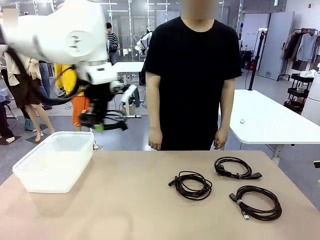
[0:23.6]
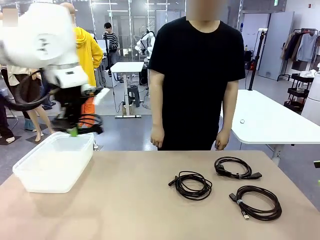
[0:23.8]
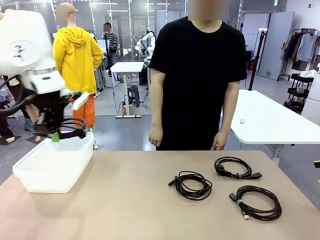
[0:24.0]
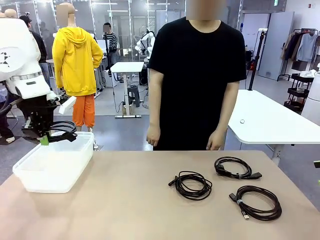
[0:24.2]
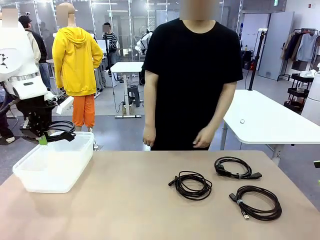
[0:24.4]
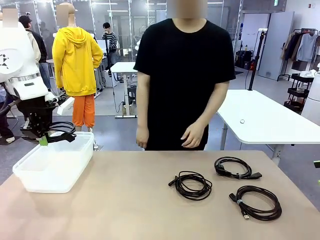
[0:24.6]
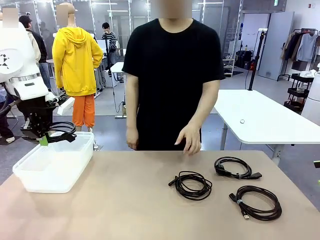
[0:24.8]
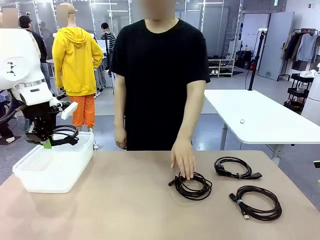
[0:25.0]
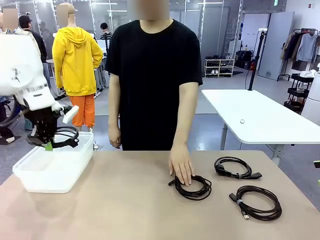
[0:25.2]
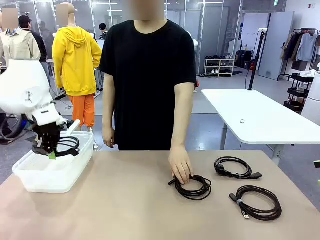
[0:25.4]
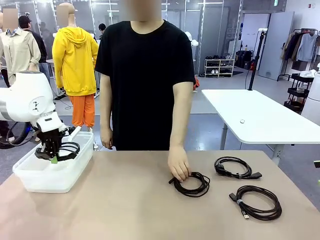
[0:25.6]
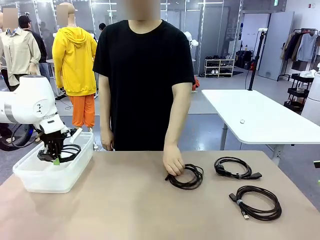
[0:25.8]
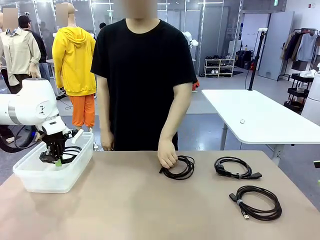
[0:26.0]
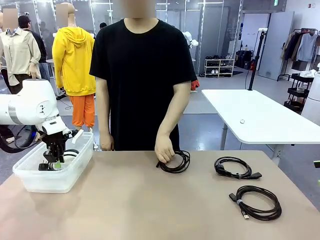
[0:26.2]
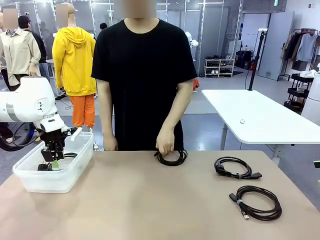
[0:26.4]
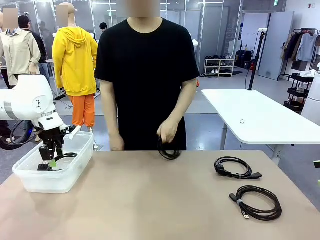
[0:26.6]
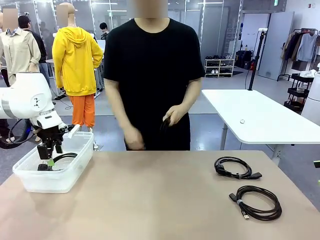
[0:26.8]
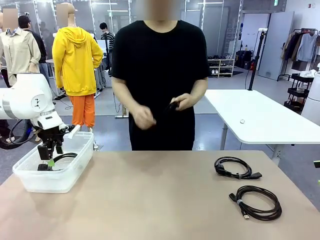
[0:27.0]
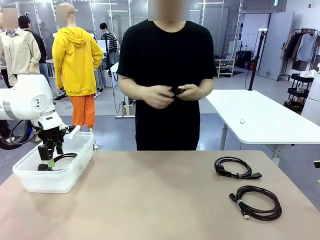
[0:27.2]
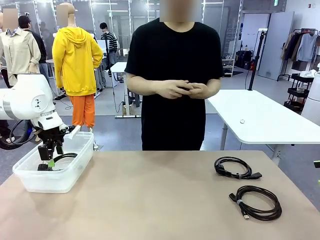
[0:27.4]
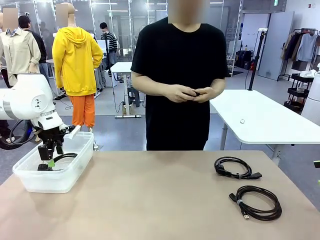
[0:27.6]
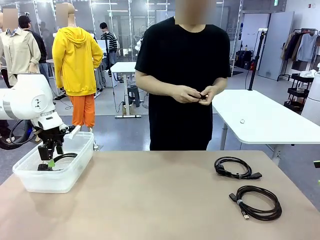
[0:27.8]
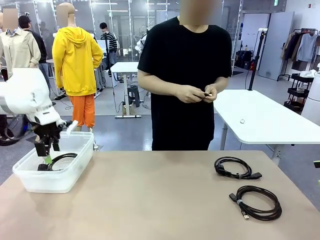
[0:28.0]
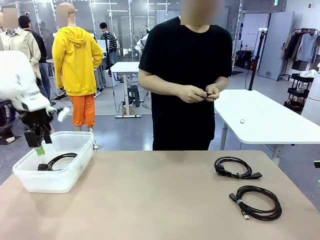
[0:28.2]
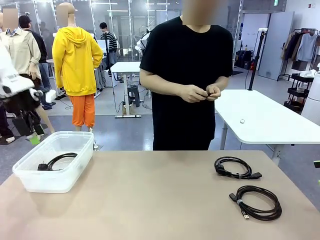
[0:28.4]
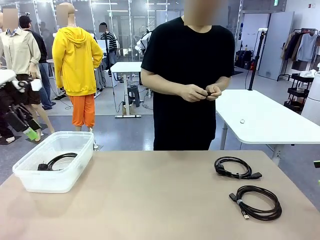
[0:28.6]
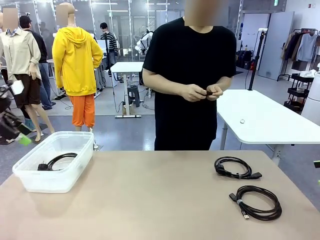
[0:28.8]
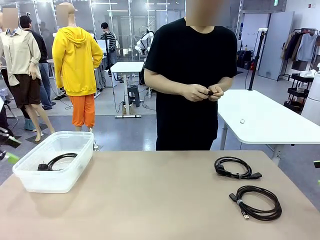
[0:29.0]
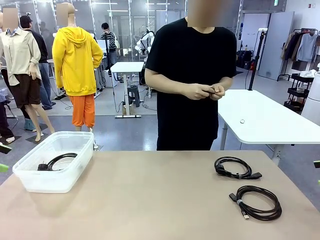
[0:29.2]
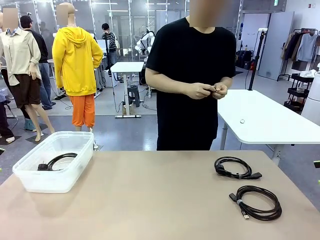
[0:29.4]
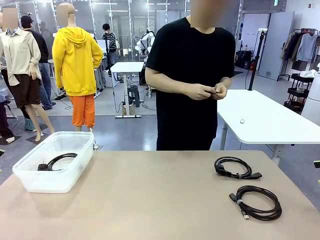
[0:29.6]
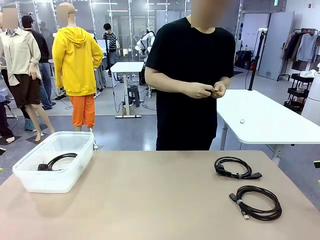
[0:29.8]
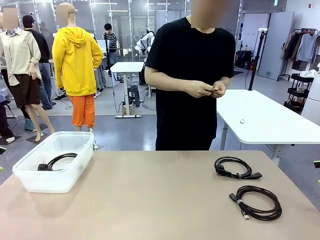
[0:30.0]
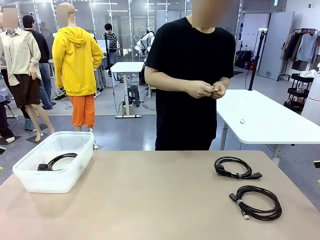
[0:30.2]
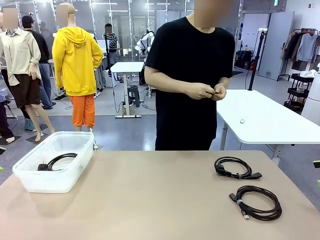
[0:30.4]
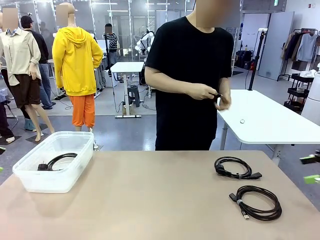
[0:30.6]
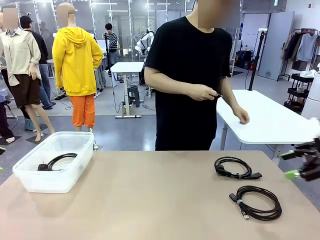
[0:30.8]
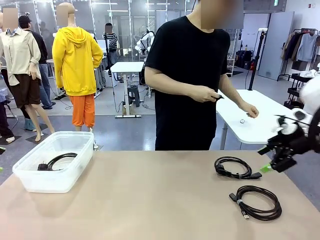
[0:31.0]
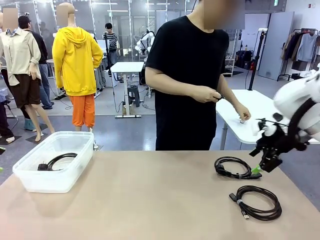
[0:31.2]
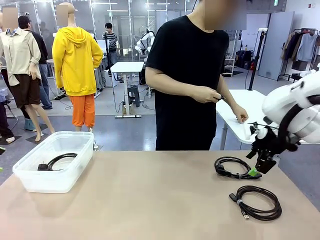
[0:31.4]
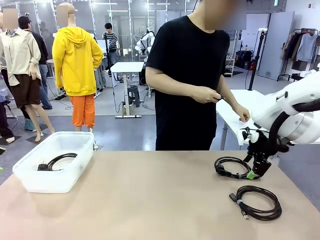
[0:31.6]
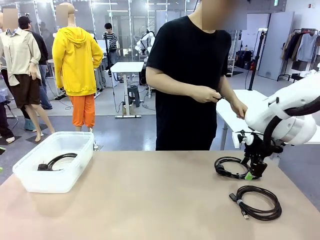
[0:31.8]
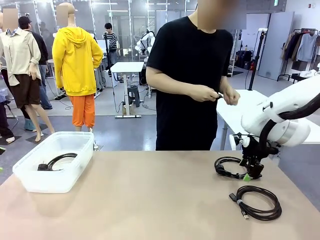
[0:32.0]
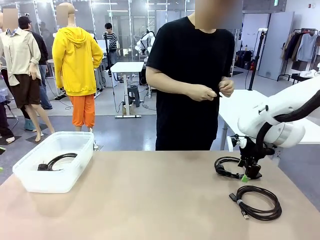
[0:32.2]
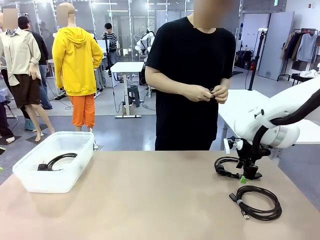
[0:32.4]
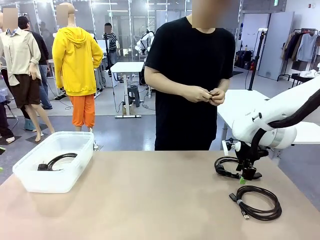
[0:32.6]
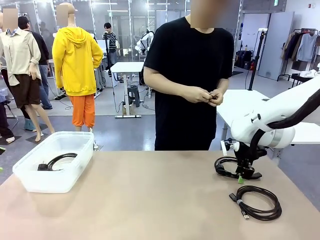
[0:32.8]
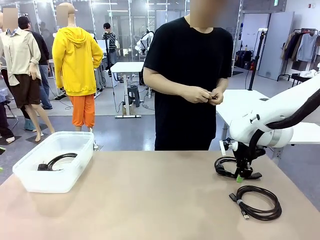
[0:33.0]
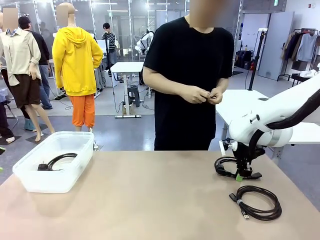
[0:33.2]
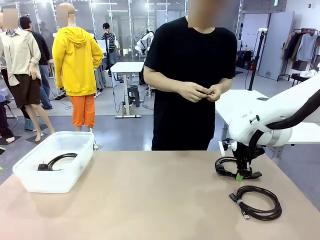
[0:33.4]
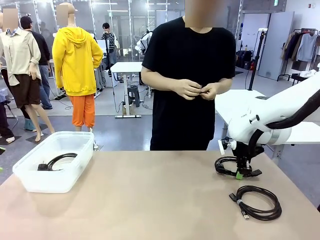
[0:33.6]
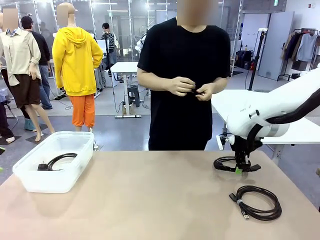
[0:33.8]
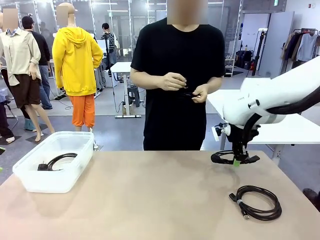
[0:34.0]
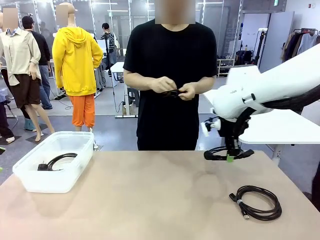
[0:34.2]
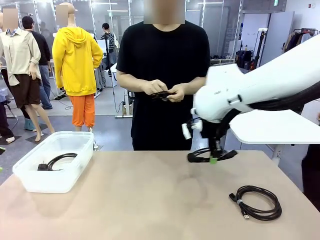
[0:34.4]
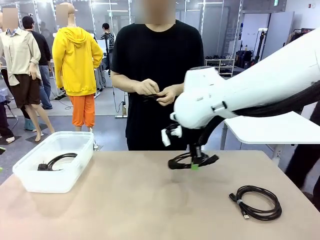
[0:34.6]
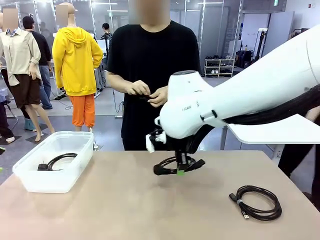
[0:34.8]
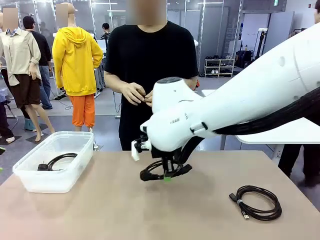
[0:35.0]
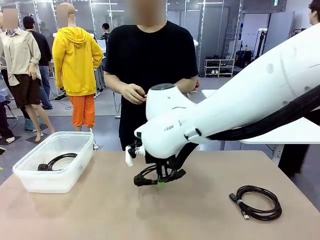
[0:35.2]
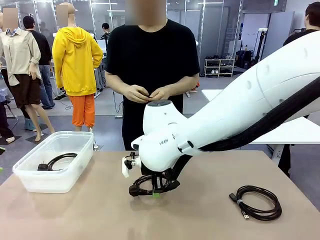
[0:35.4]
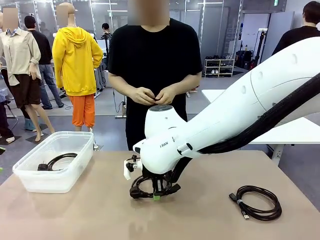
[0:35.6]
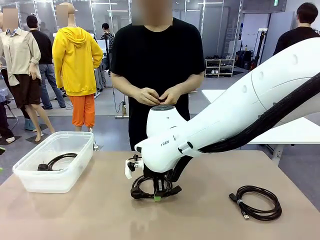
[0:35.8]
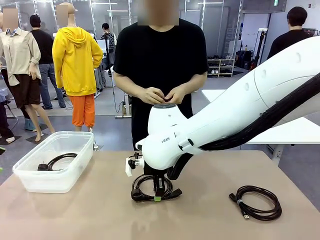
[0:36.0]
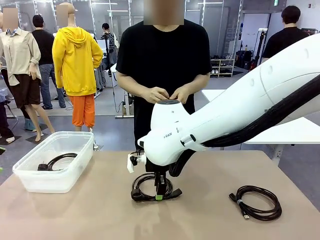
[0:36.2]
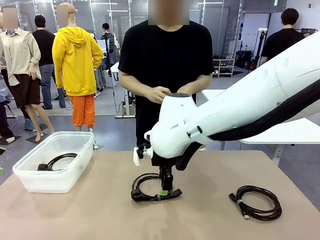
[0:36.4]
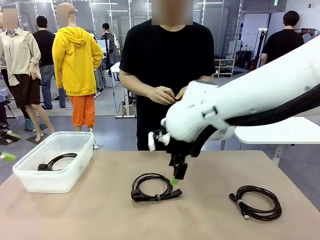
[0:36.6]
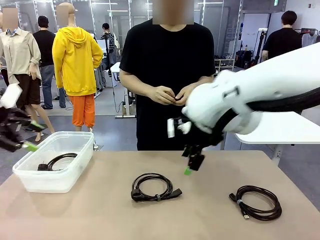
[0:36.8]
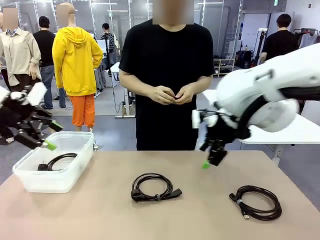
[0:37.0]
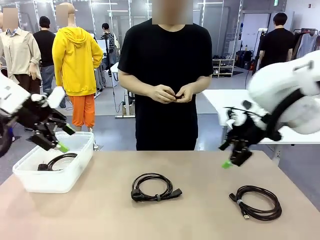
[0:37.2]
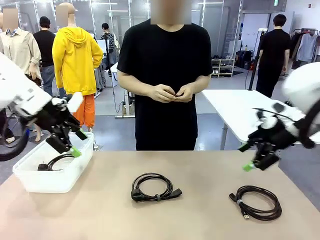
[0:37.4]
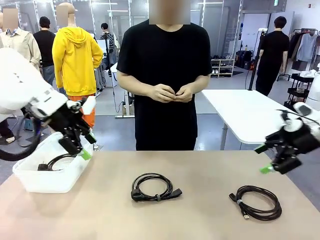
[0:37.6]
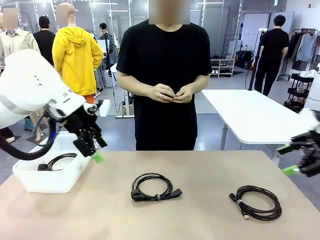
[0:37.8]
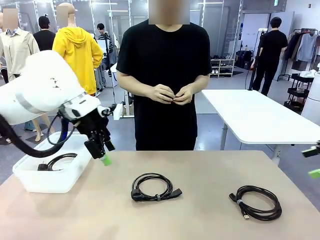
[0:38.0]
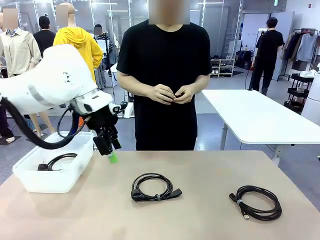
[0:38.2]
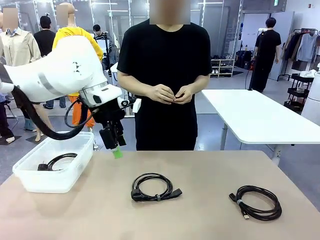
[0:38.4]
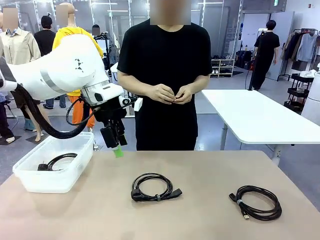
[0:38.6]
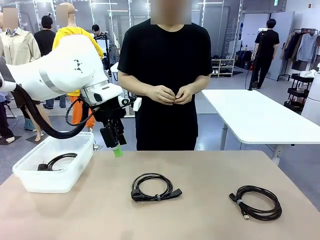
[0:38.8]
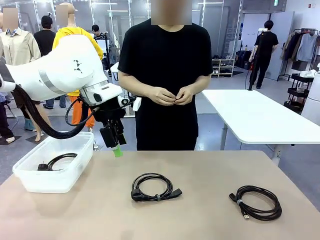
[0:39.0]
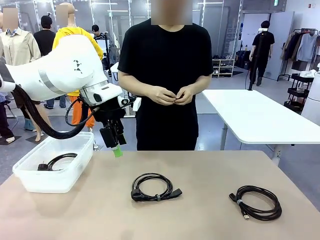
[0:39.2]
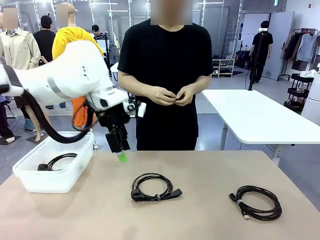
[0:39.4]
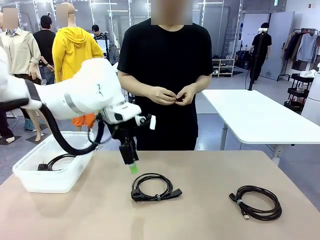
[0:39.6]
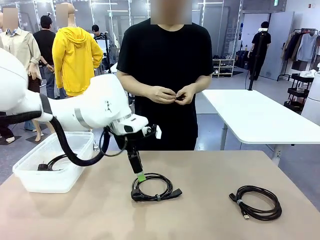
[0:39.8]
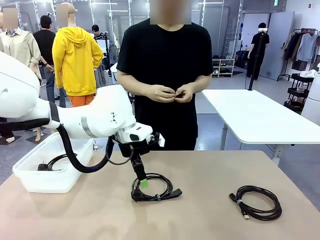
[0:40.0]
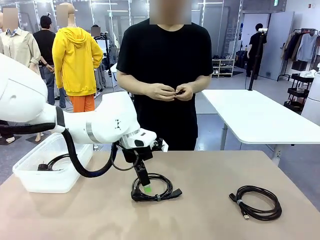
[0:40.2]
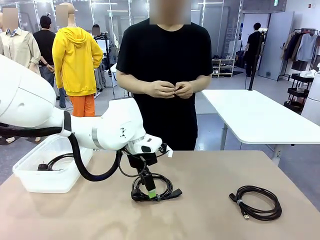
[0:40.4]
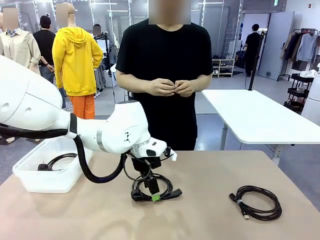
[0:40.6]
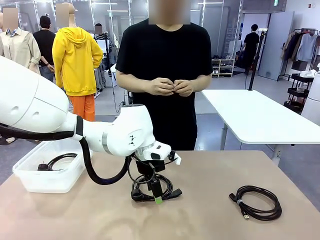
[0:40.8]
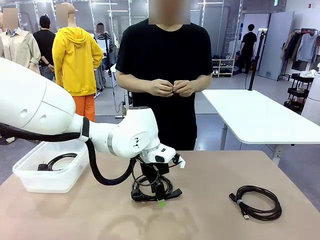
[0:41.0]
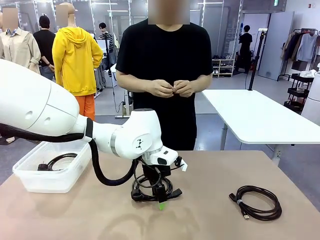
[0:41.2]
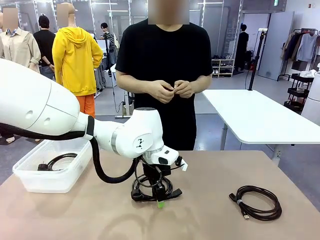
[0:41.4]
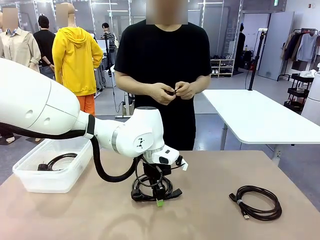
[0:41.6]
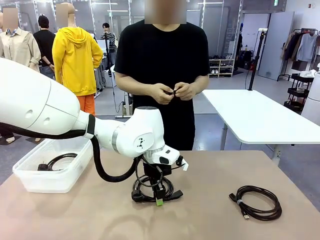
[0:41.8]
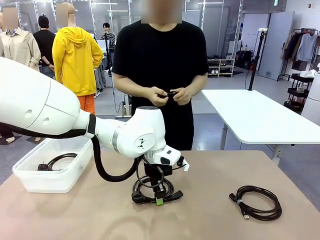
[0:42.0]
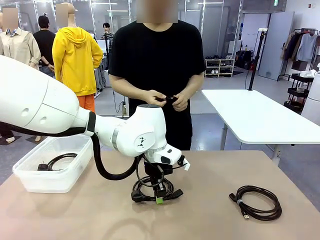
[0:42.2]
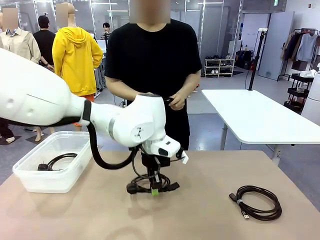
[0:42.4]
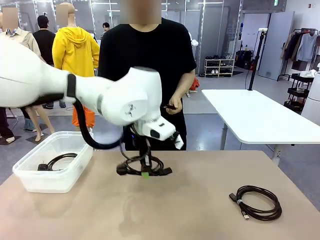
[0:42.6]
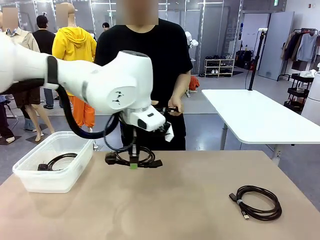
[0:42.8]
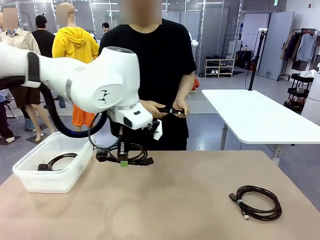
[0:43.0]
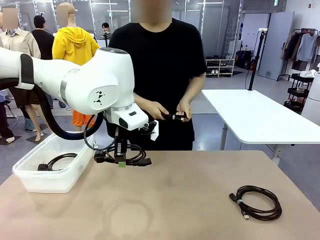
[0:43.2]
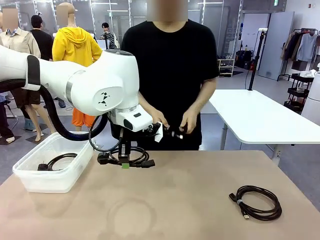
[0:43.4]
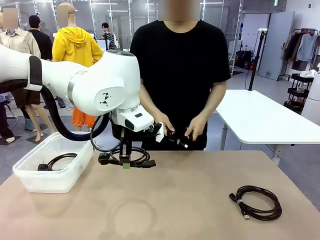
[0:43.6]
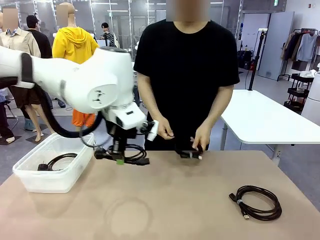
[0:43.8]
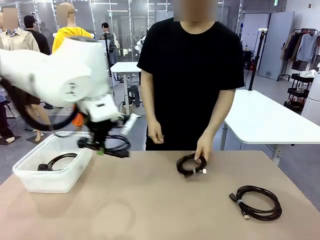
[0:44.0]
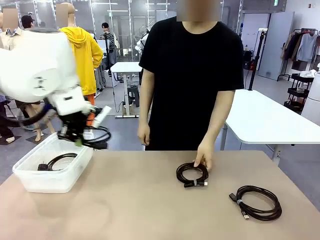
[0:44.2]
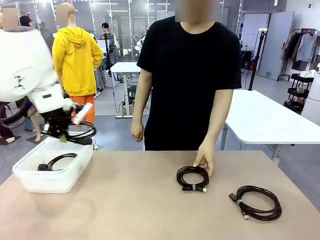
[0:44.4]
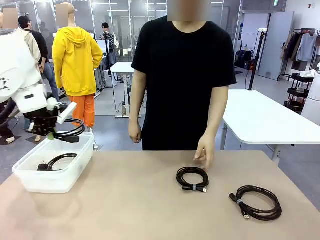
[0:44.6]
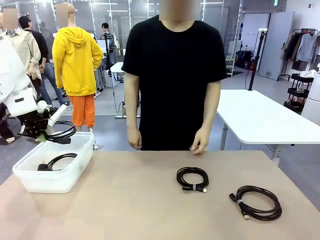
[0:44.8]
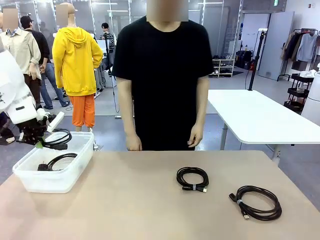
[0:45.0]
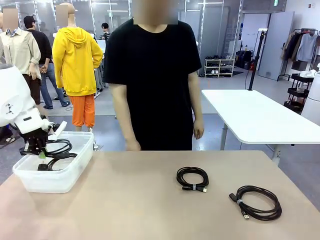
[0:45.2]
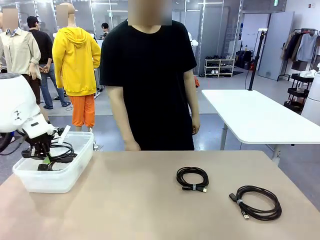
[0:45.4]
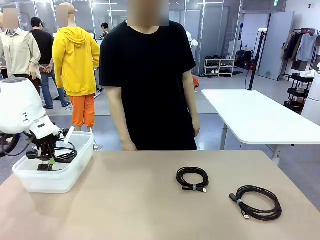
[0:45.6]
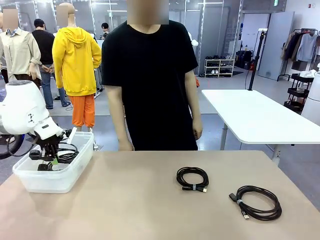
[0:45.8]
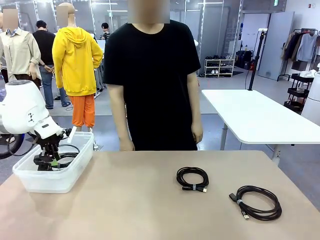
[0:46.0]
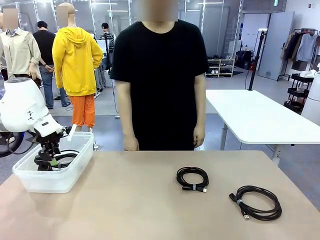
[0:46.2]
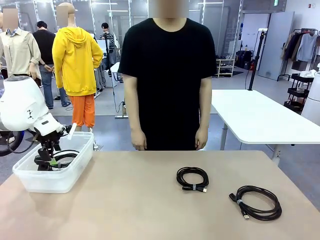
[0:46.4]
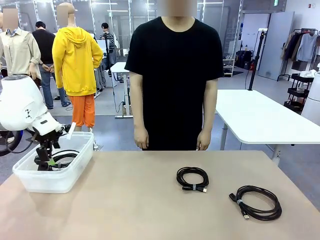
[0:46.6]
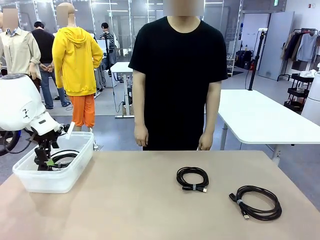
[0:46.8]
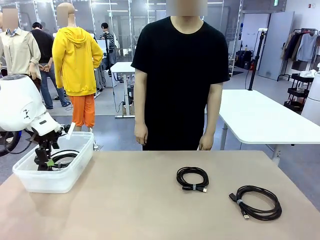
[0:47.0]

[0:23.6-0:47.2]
Task: Organize and store the cables.
Robot: Place the Power Cable into the Organizing box.
